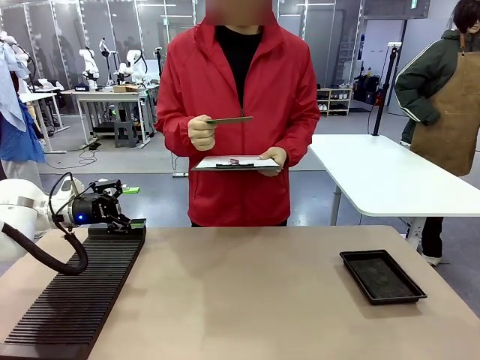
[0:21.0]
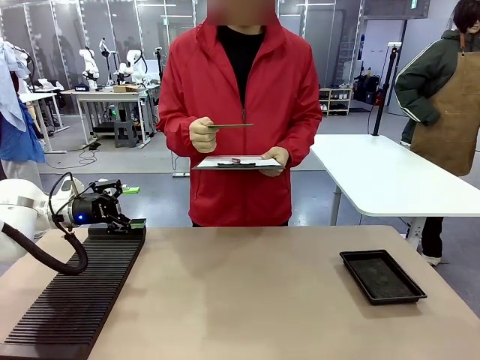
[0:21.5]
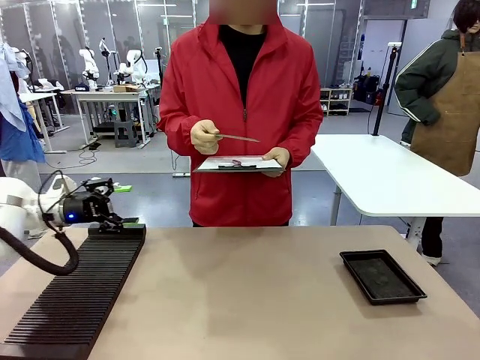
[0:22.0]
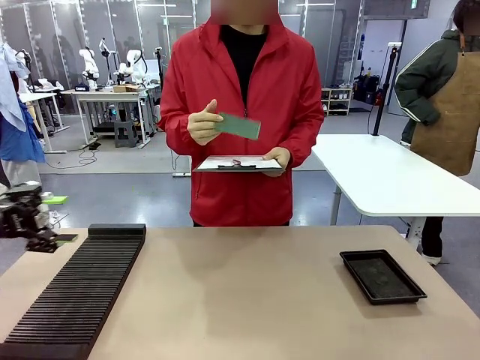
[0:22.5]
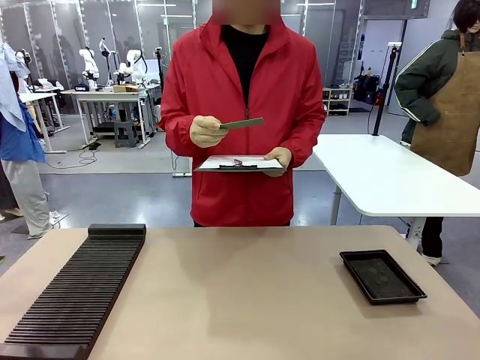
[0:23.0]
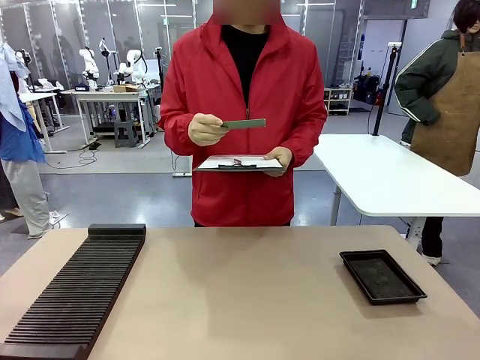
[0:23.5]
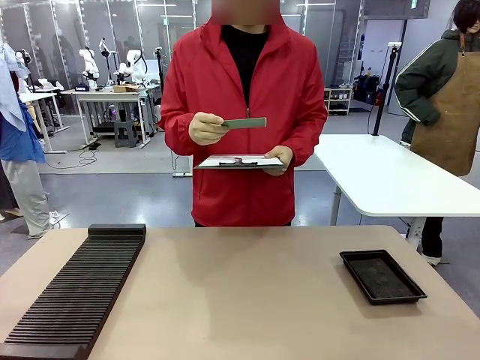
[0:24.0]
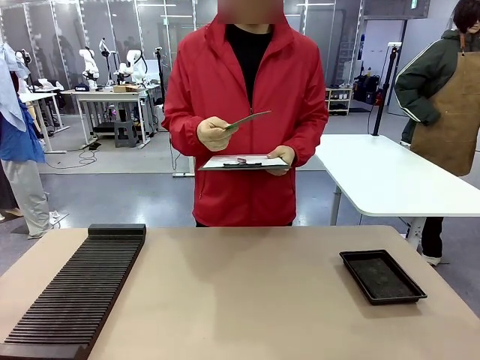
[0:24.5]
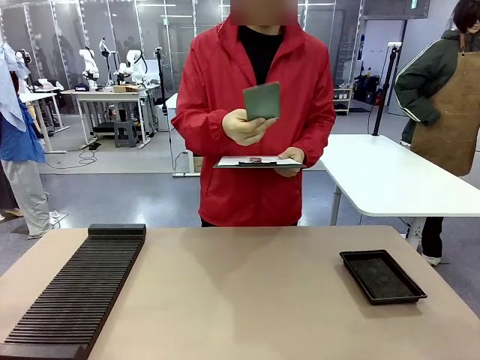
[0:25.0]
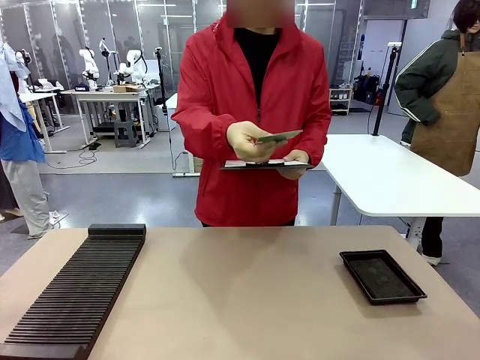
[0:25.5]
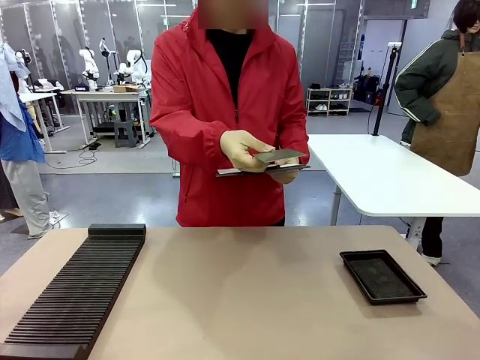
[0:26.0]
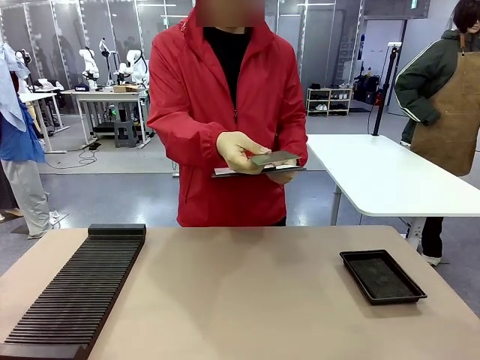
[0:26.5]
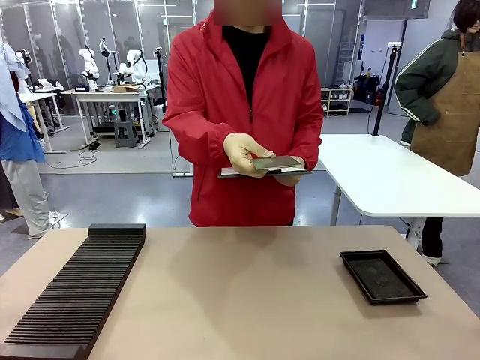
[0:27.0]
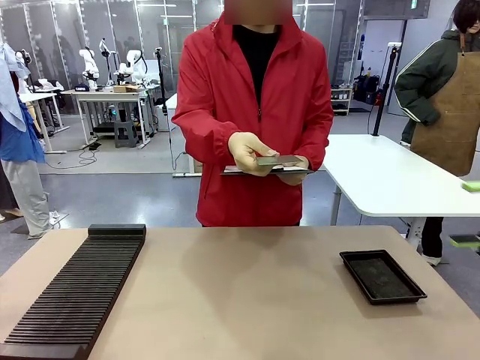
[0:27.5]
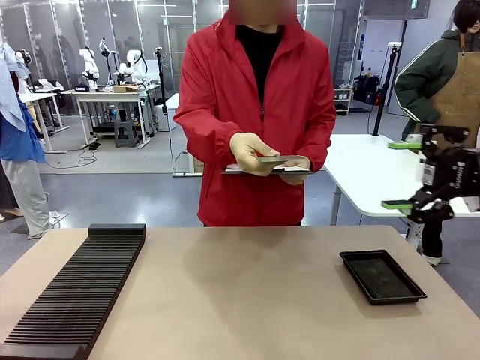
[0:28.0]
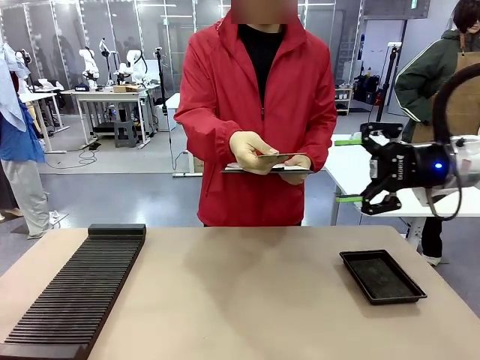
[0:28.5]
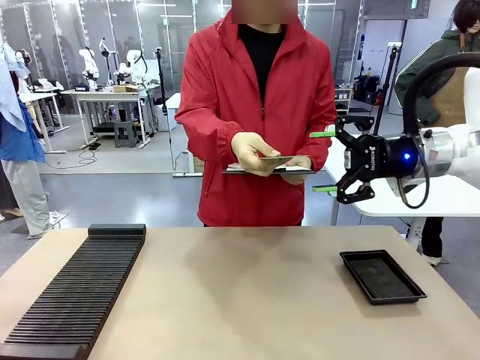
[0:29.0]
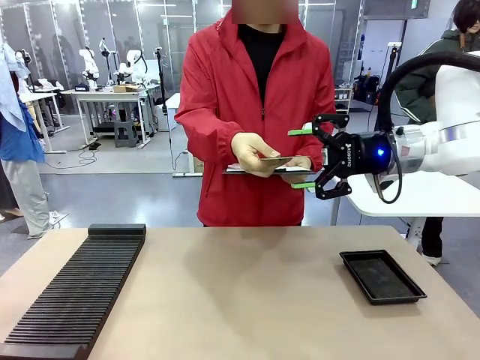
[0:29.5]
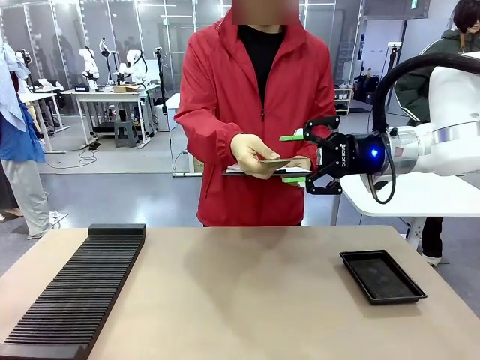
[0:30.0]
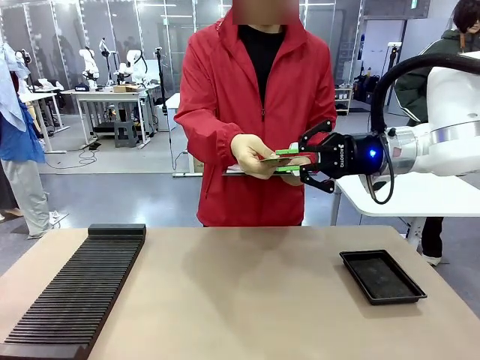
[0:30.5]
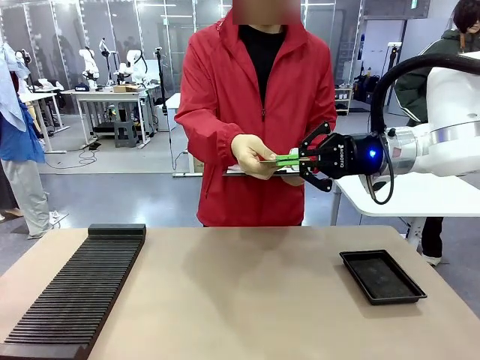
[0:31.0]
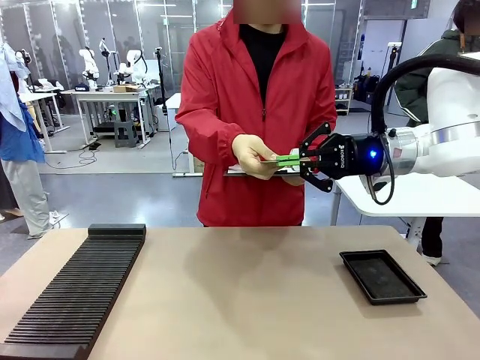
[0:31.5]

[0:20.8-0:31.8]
Task: Inspect the PCB.
Robot: Pick up the Blank PCB that the human is holding.
Person: Inspect the PCB placed by the robot, then hold it out in front of the robot. Release the PCB you were holding.

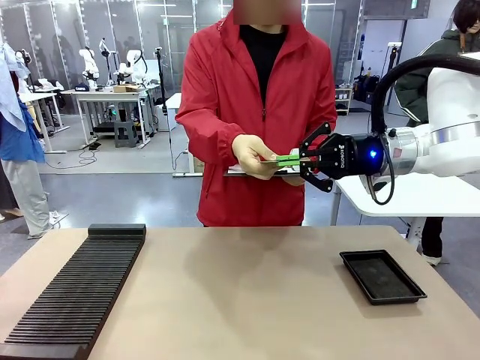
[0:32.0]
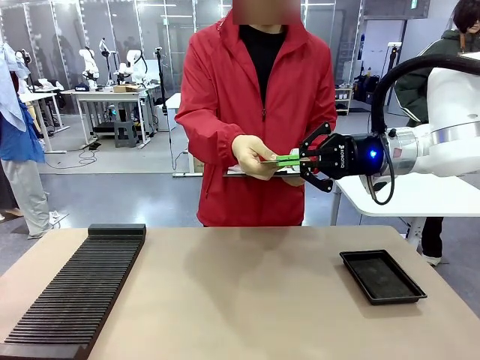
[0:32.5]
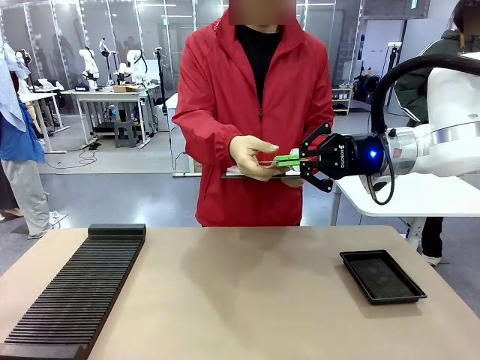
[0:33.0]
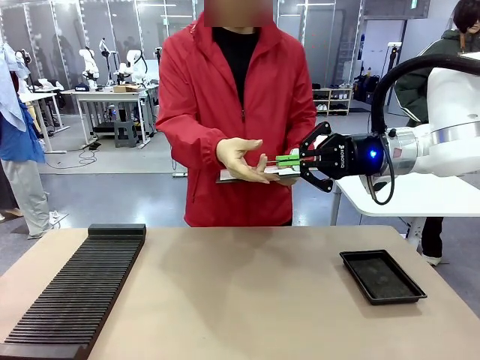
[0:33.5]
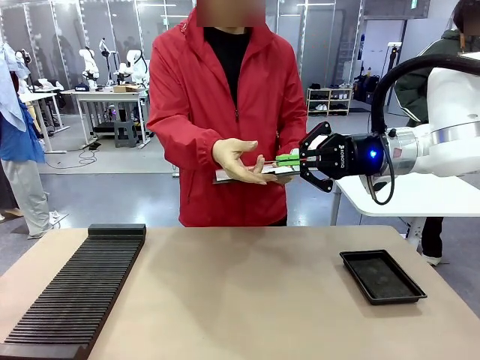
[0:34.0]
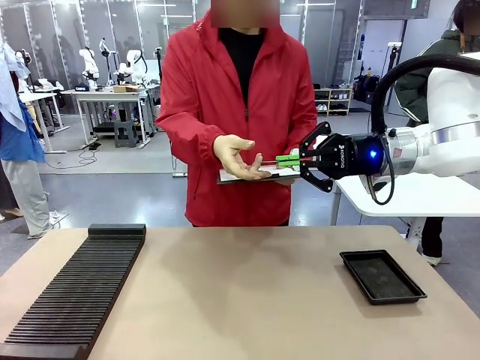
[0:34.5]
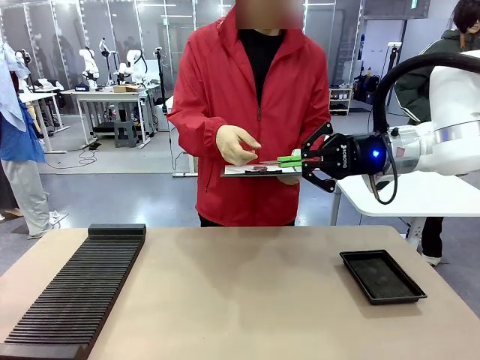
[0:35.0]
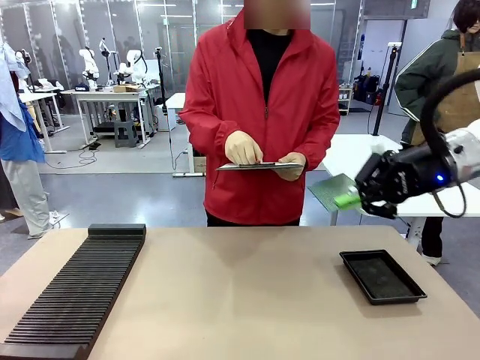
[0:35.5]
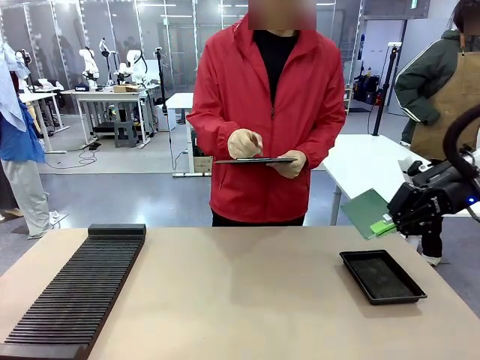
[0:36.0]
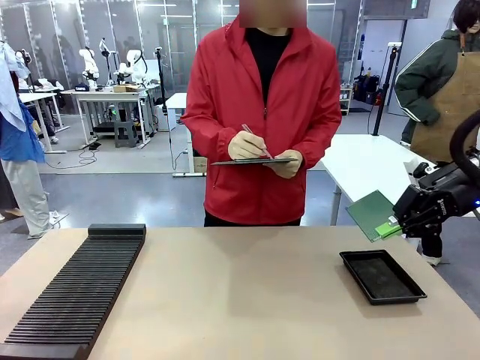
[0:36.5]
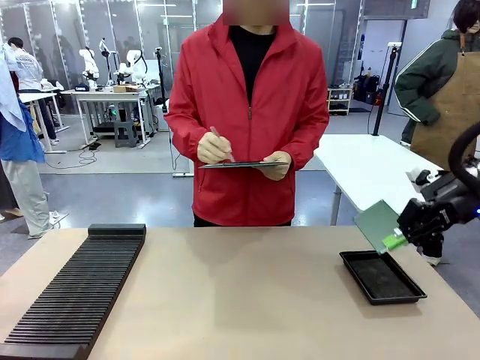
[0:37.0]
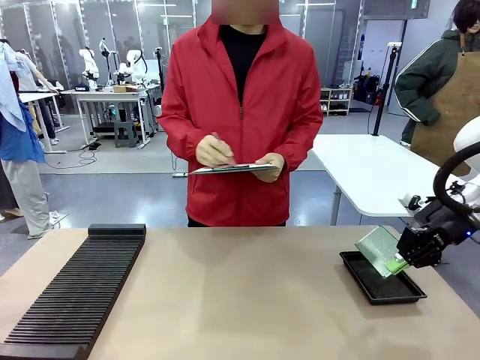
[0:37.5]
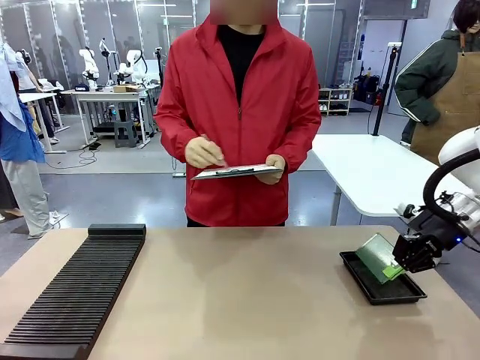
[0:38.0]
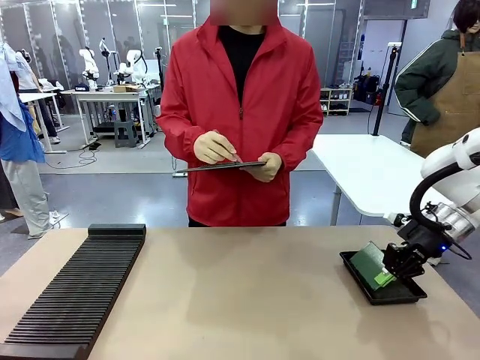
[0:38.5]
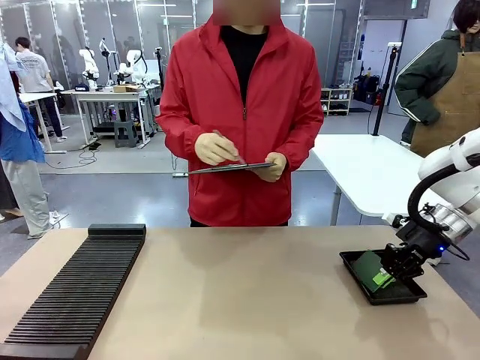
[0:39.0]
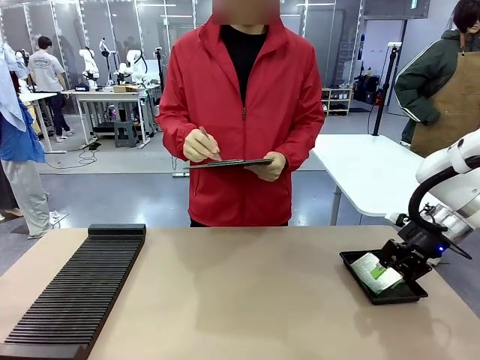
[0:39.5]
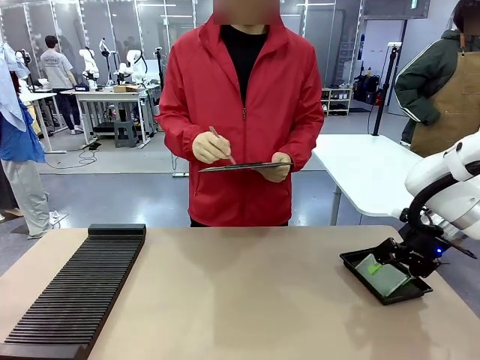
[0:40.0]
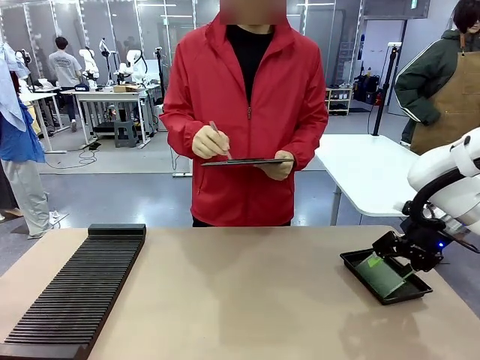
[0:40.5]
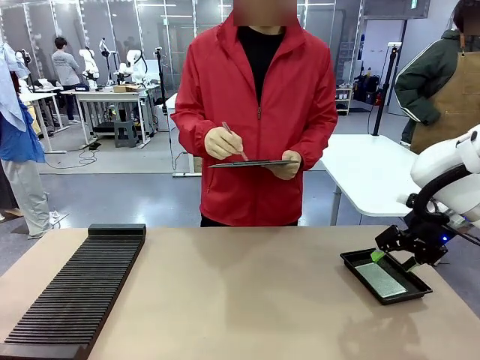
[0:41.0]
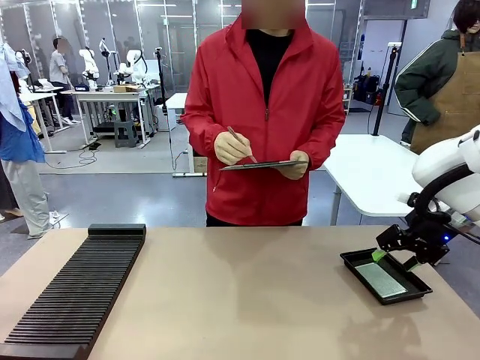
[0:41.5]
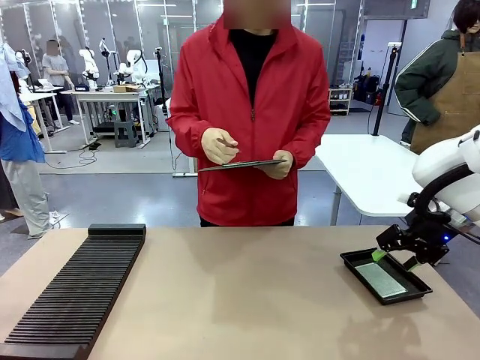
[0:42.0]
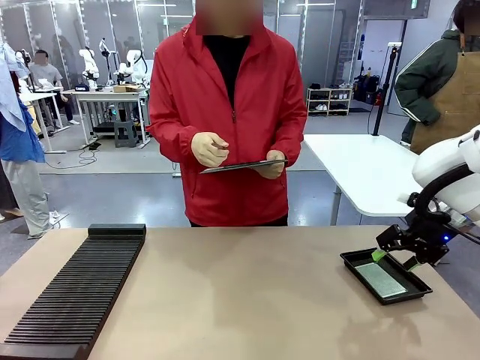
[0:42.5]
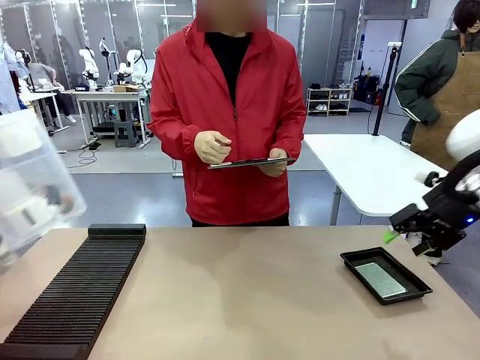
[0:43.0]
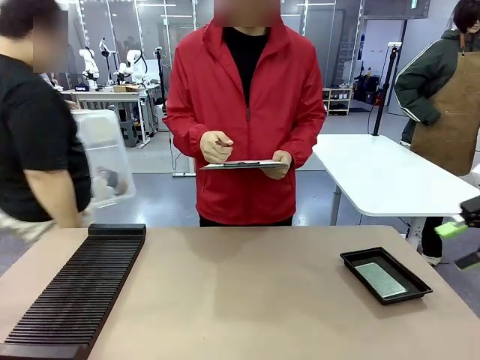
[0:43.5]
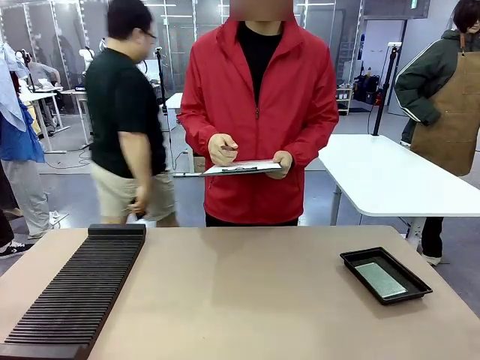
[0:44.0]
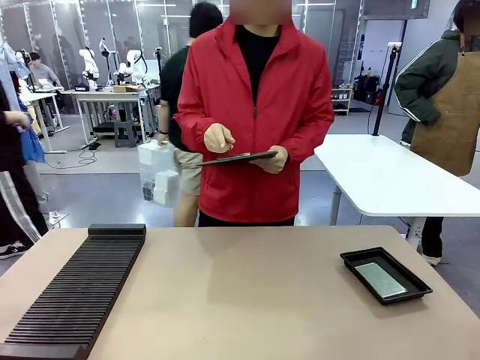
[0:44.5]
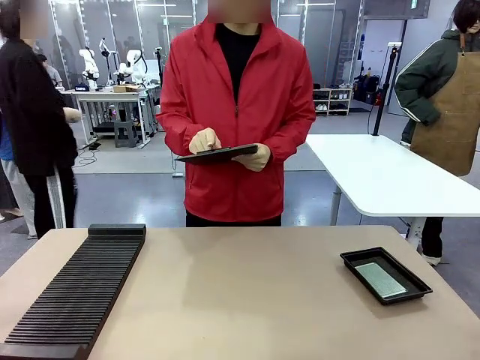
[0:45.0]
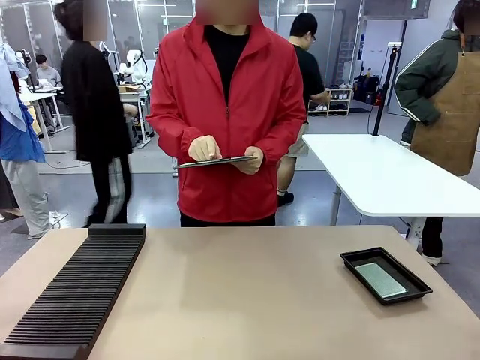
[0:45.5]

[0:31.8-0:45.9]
Robot: Place the Blank PCB in the ESD tray.
Person: Record the PCB status on the paper.
